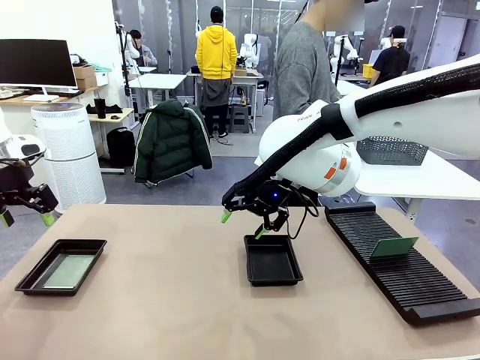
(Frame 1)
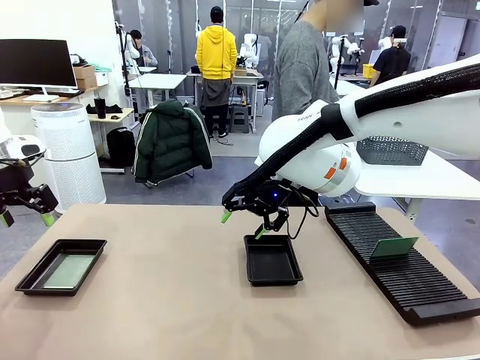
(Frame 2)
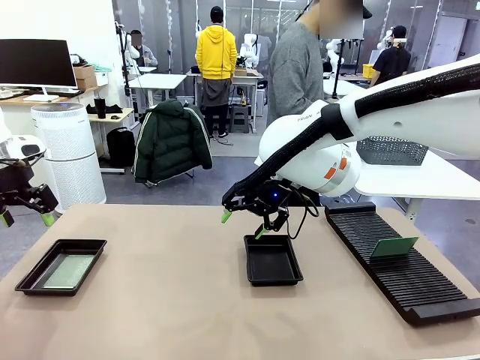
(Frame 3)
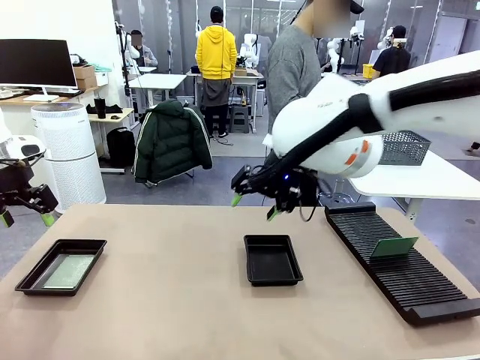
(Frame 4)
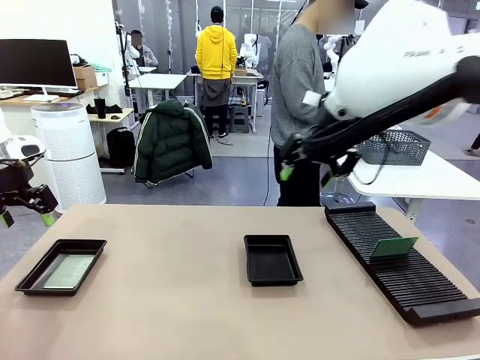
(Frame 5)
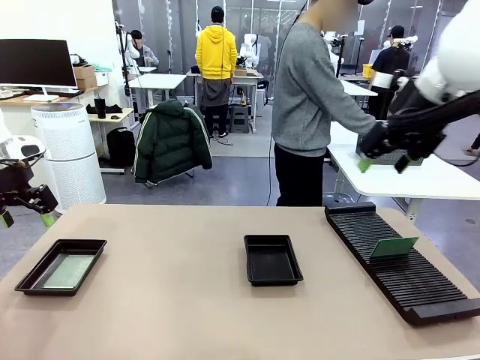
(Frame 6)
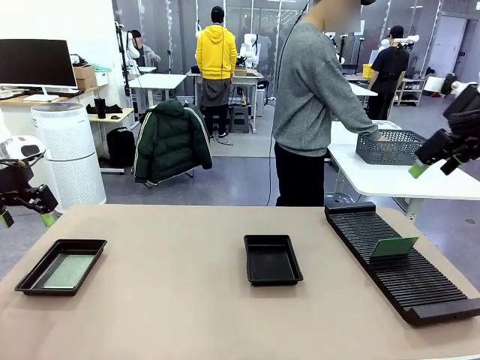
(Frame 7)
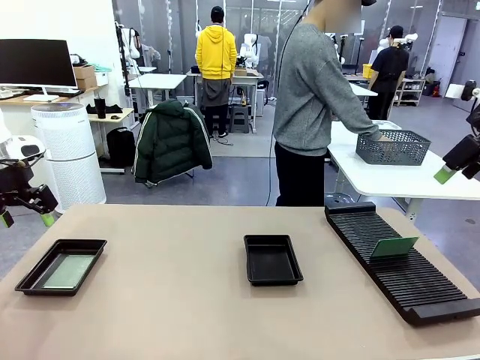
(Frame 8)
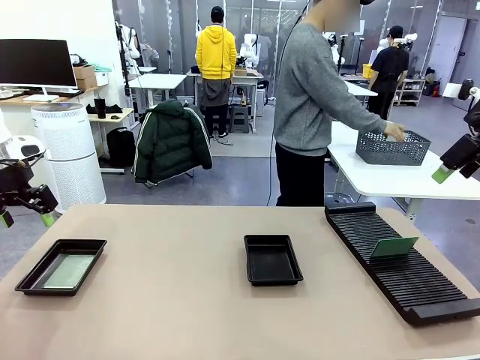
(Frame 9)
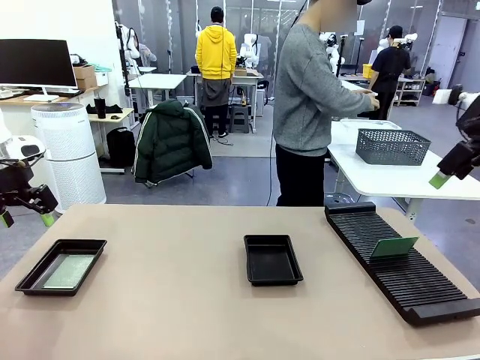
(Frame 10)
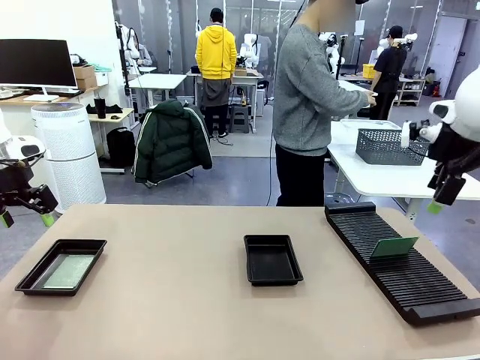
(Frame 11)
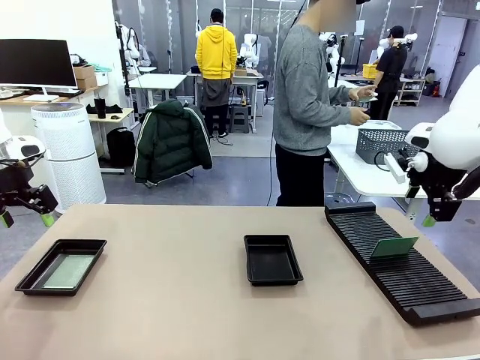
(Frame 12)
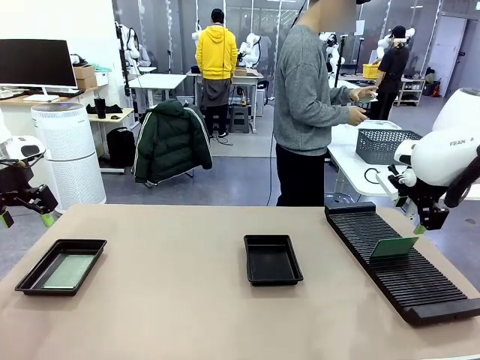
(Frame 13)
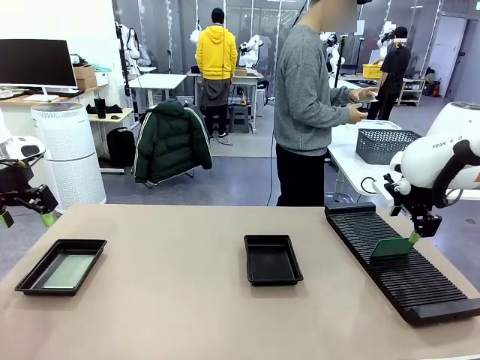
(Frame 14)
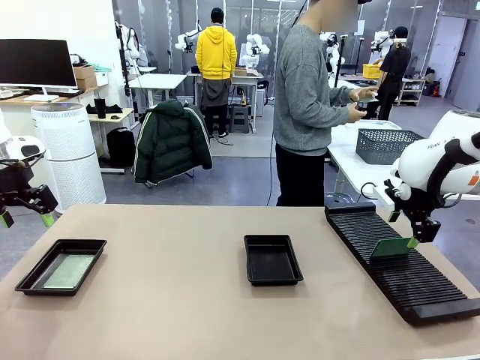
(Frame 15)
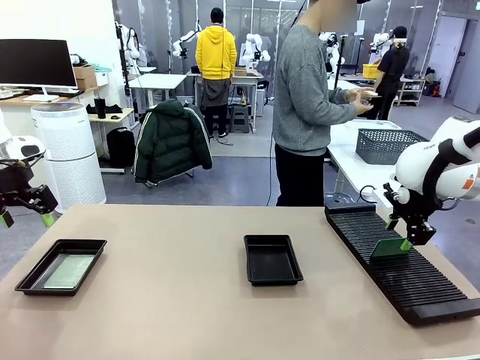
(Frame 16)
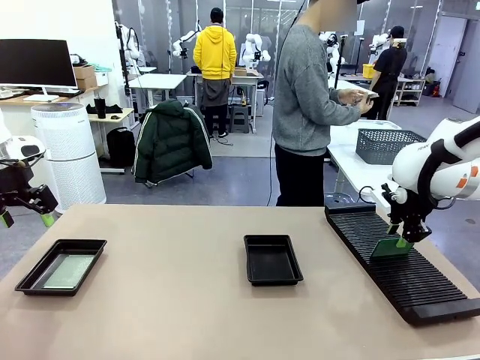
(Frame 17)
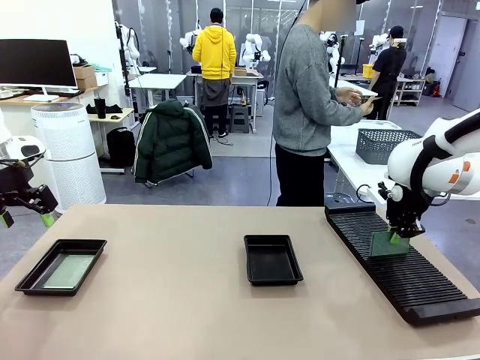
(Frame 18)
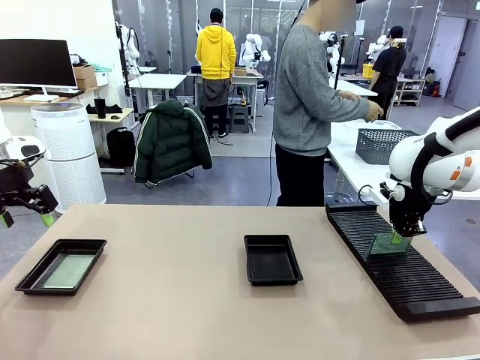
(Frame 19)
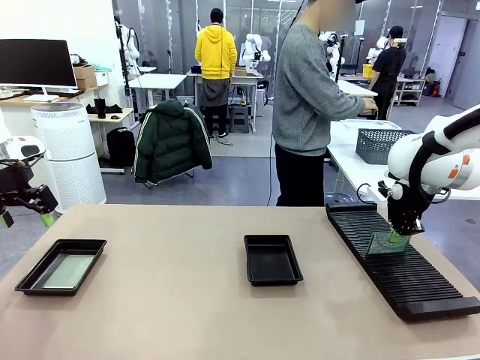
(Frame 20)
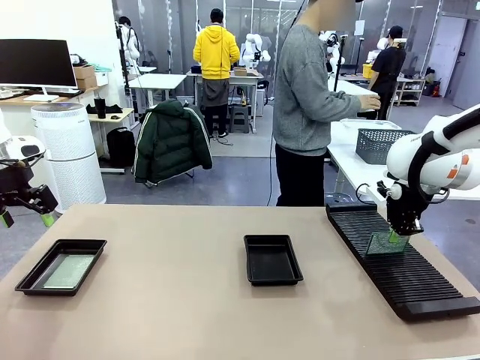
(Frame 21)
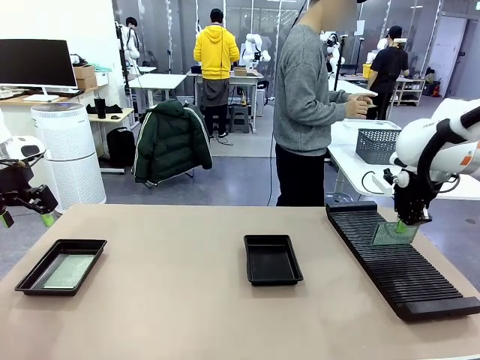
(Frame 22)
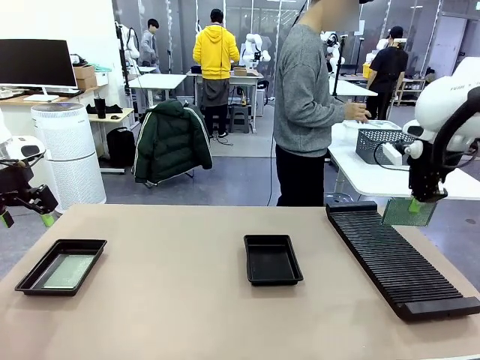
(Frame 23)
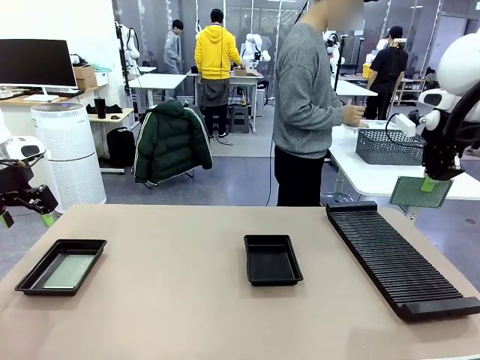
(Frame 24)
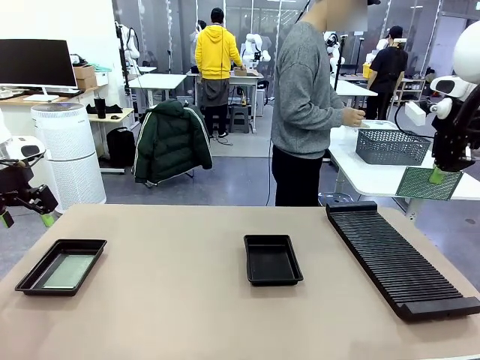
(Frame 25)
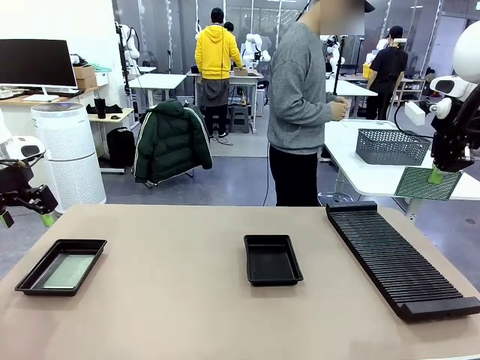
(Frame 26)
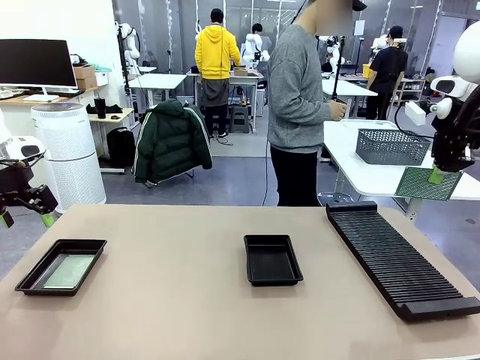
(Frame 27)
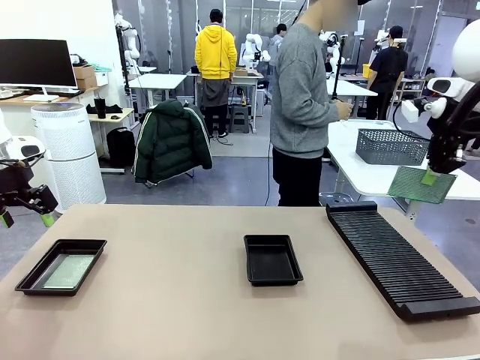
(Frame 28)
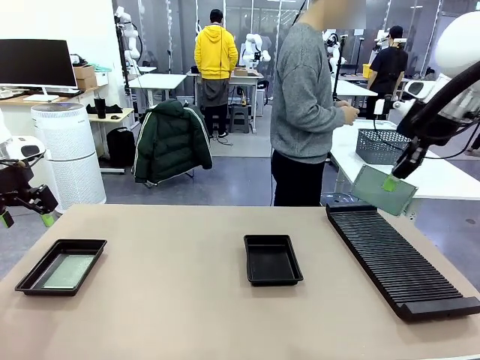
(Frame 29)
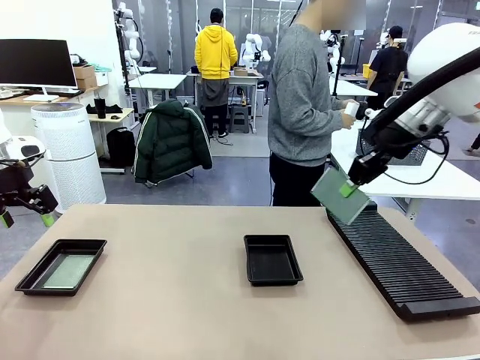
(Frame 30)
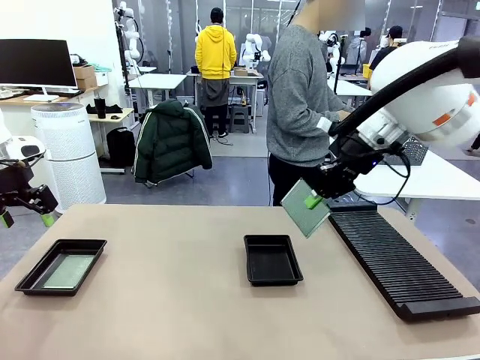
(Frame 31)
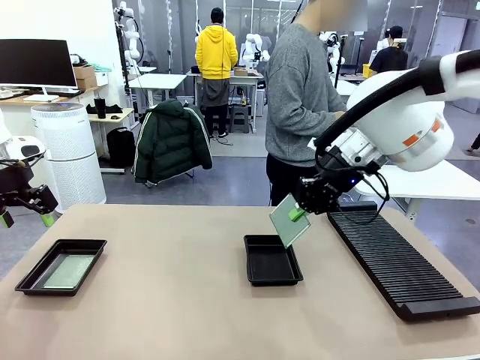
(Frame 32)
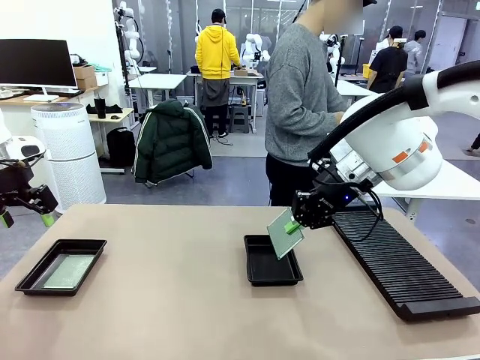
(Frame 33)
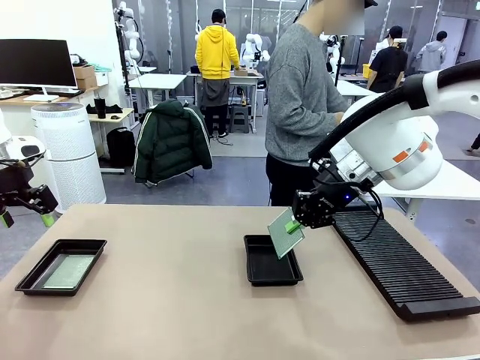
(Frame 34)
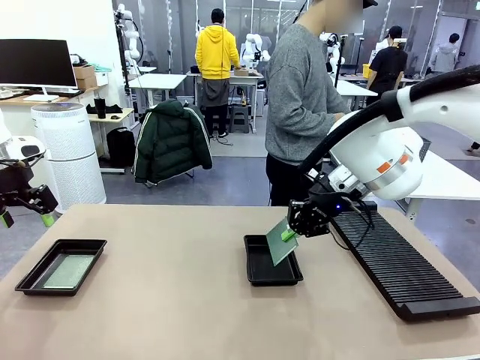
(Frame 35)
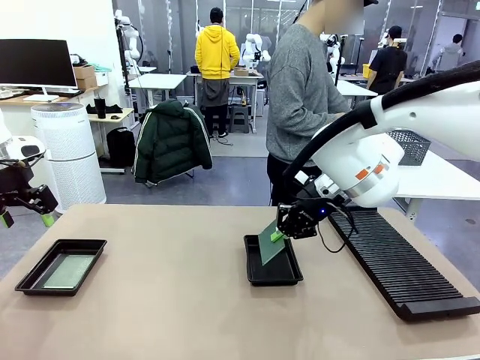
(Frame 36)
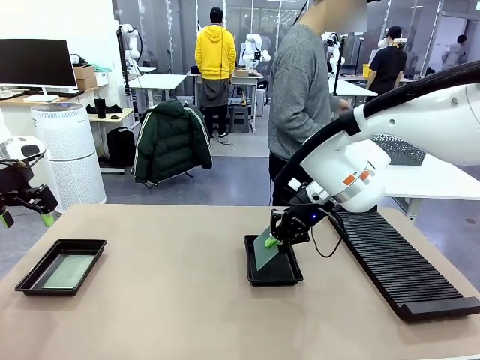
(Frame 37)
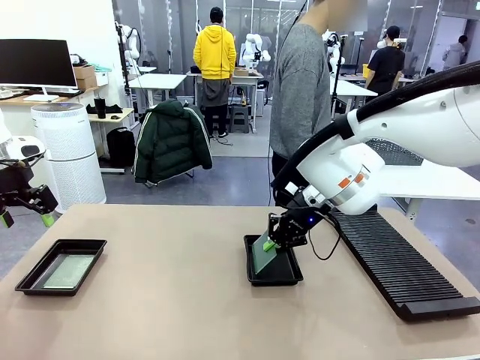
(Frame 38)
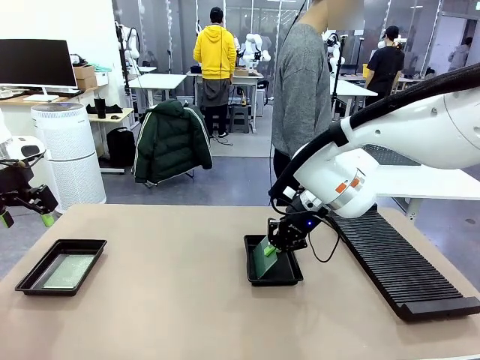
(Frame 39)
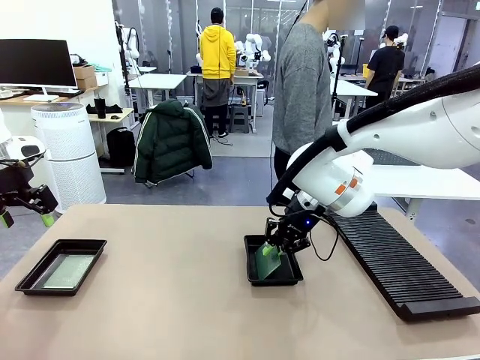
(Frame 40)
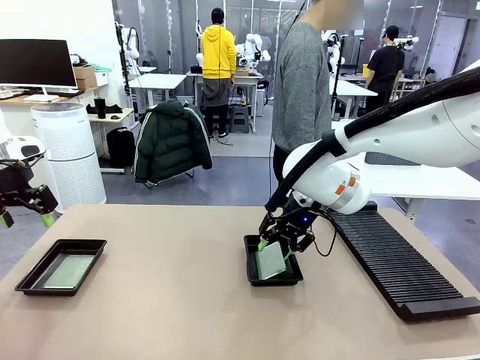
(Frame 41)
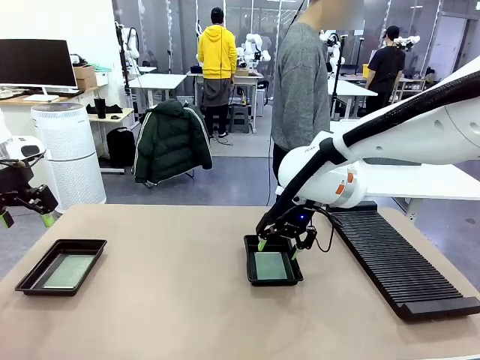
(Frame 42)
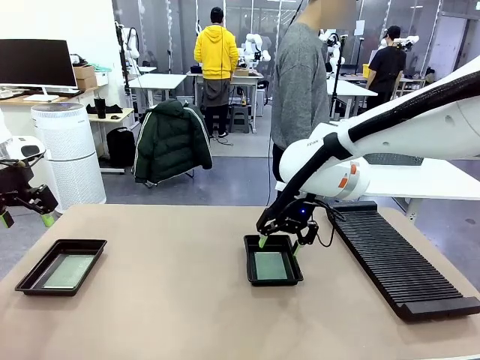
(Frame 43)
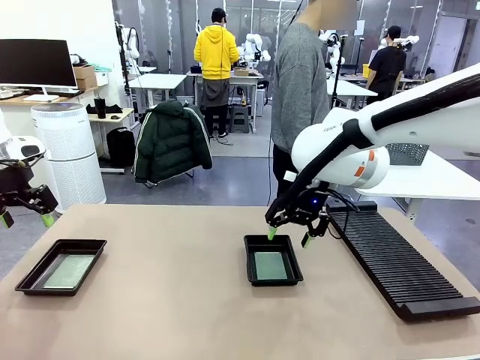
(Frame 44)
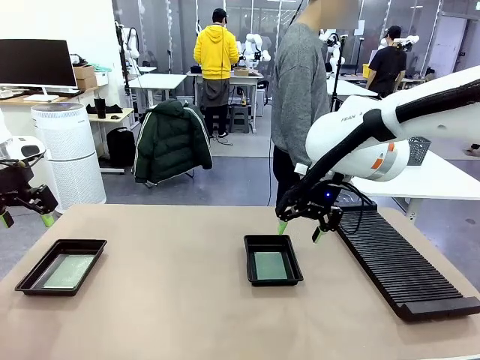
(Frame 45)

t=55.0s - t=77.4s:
Task: Inspect and transfer BCBs to ESD trays.
Robot: Pick up the Blank PCB from the PCB Rack and place it in the right ESD tray.

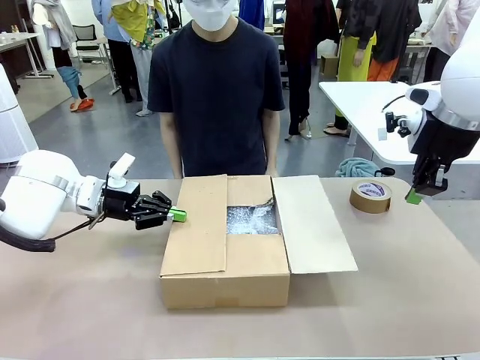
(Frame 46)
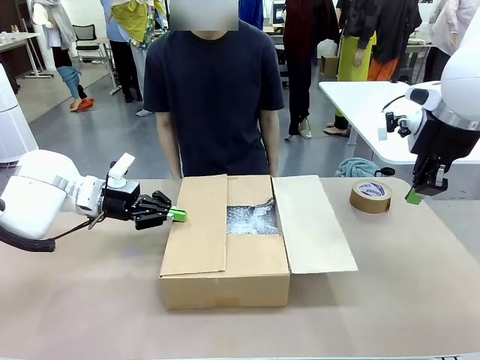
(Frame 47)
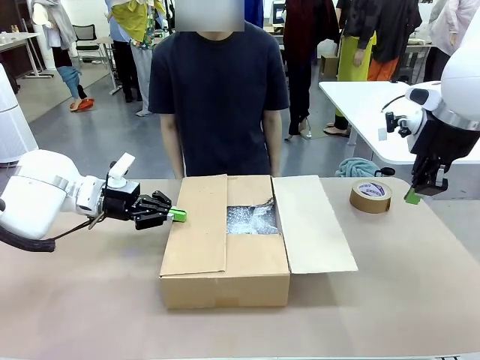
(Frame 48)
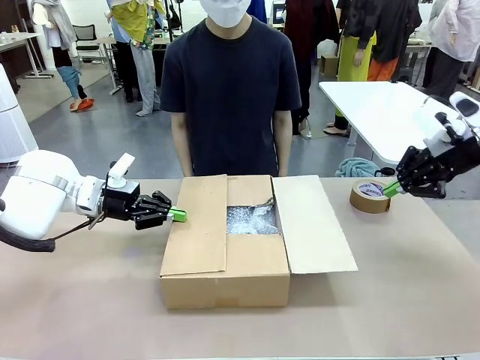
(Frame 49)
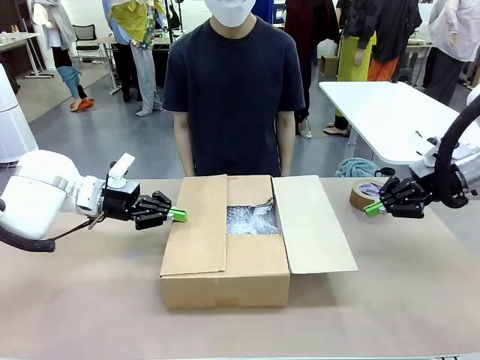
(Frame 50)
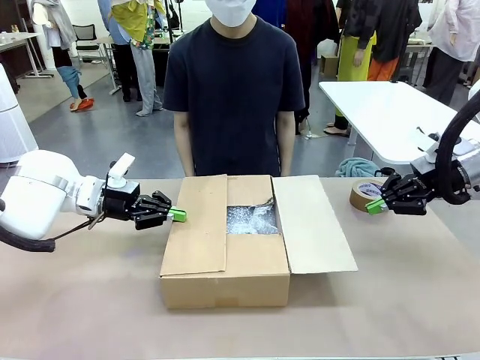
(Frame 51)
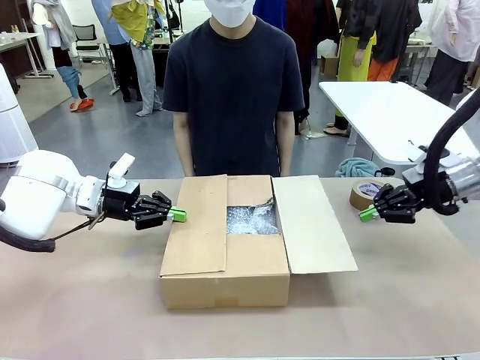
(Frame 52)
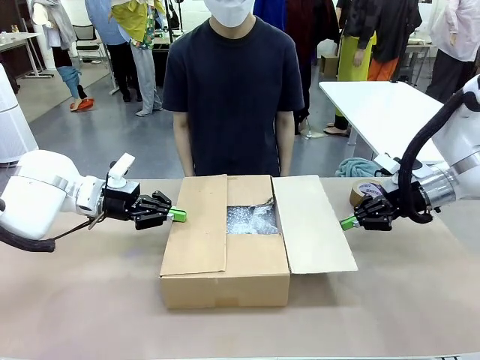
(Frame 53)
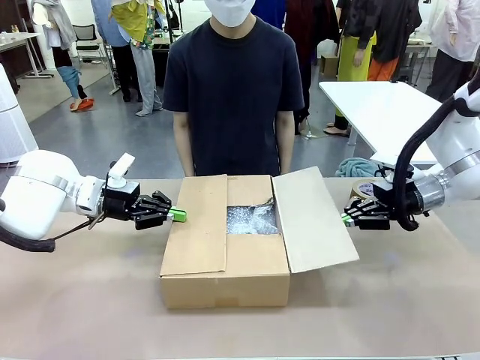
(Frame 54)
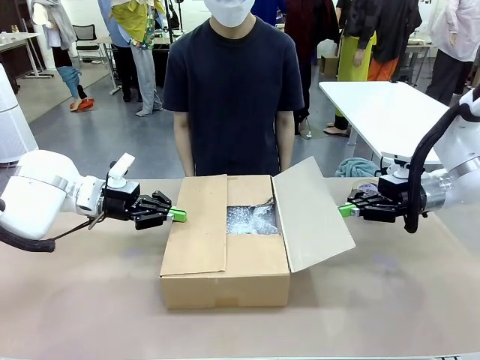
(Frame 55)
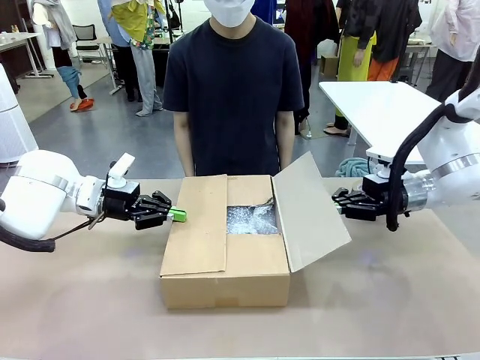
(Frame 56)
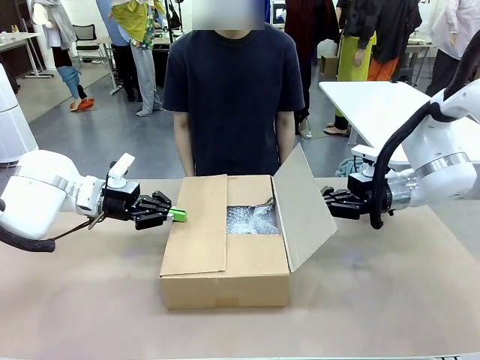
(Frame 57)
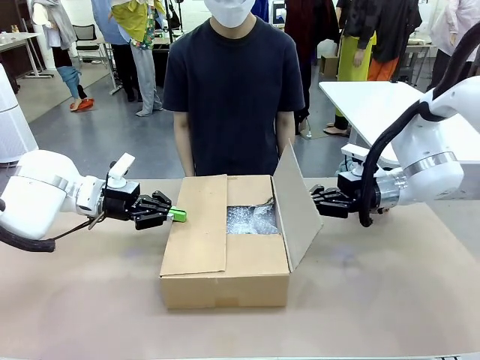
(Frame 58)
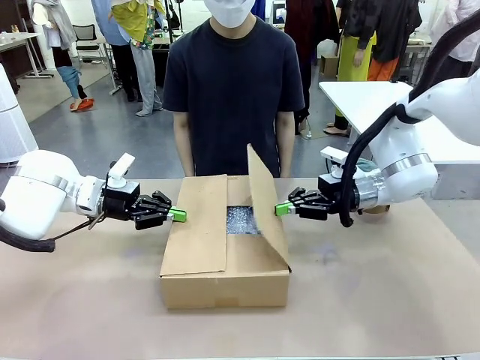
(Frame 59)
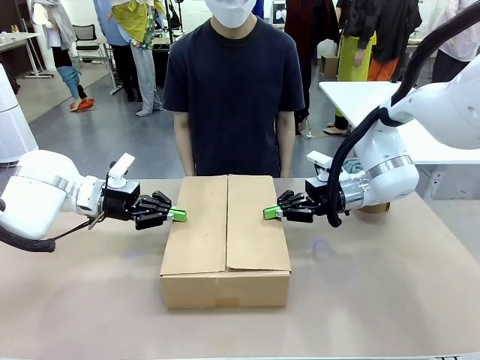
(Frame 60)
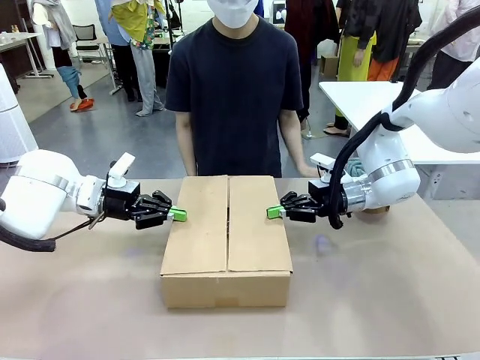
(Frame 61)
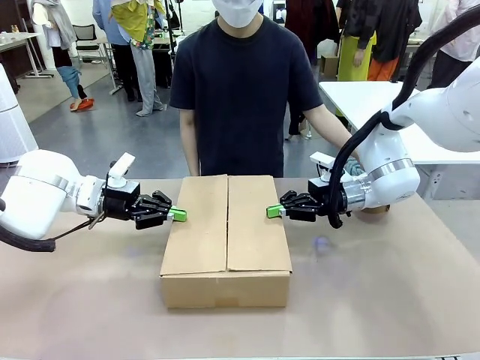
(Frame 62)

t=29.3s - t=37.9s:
Task: Wrap the clocks to prevent damage.
Robot: Push the left (or right) flap of the Package Box to close it.
